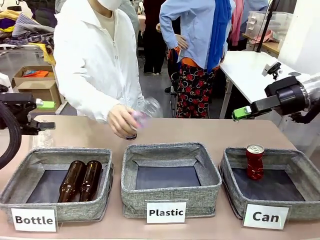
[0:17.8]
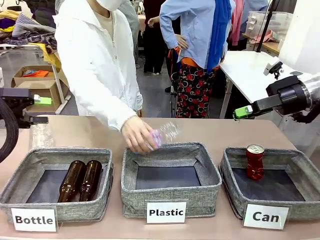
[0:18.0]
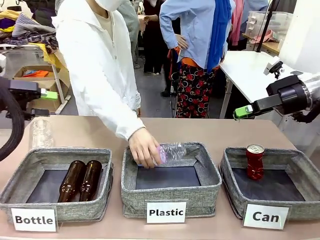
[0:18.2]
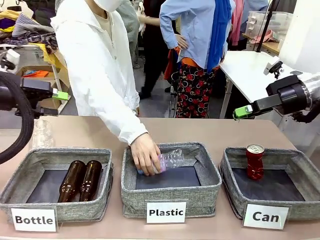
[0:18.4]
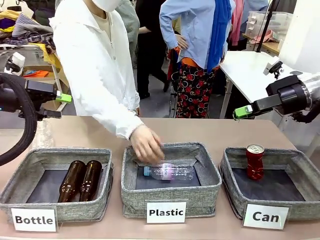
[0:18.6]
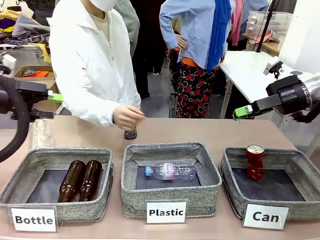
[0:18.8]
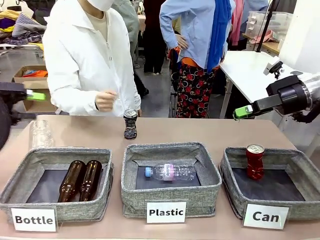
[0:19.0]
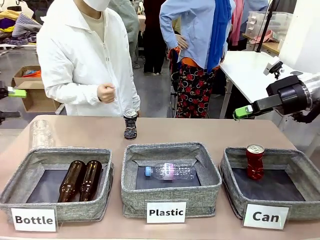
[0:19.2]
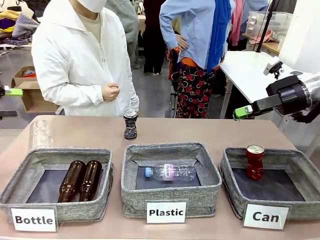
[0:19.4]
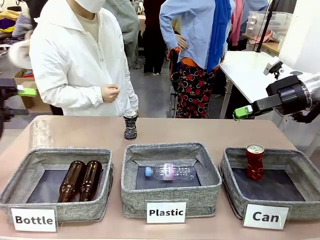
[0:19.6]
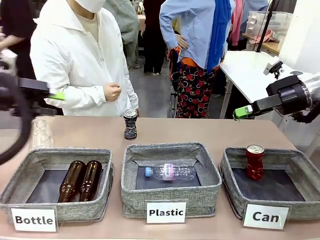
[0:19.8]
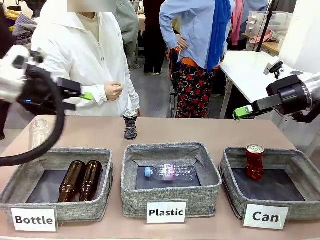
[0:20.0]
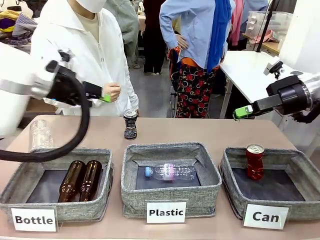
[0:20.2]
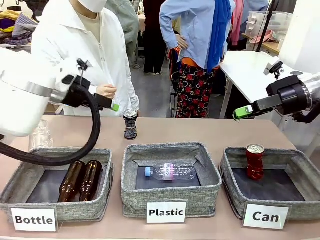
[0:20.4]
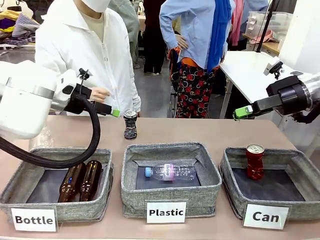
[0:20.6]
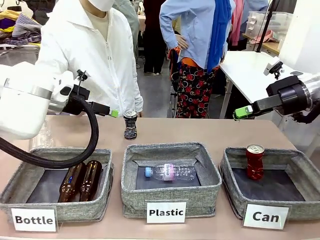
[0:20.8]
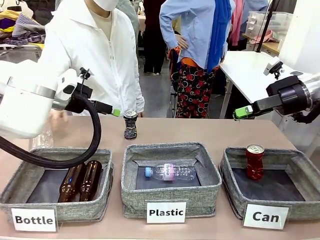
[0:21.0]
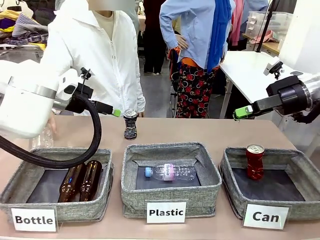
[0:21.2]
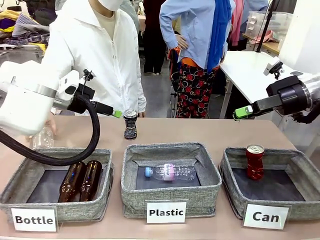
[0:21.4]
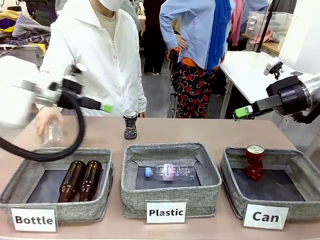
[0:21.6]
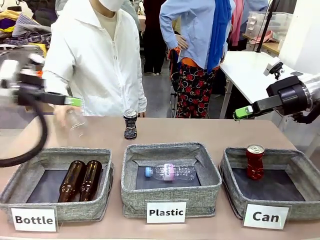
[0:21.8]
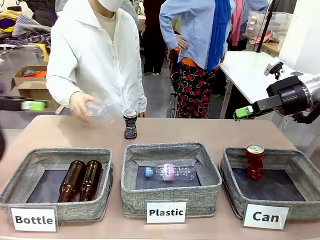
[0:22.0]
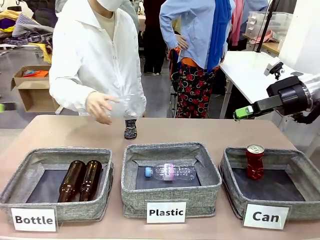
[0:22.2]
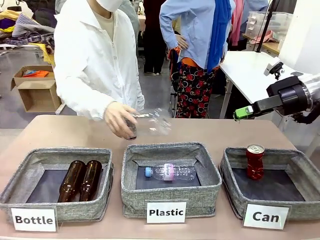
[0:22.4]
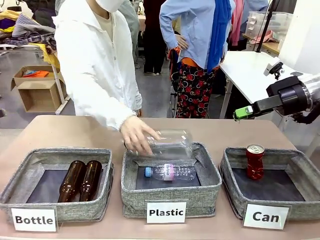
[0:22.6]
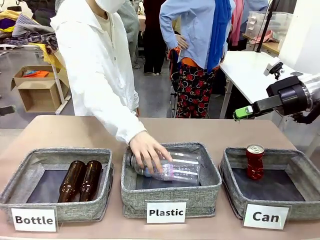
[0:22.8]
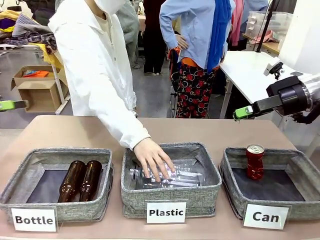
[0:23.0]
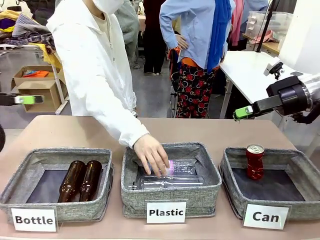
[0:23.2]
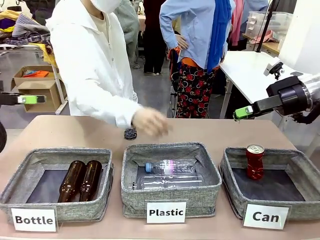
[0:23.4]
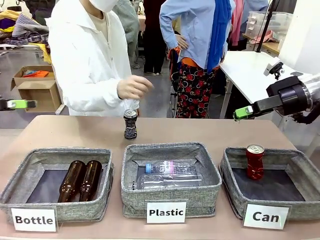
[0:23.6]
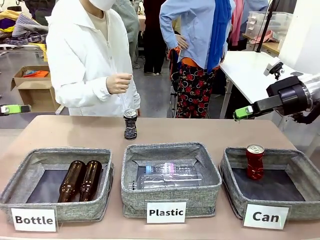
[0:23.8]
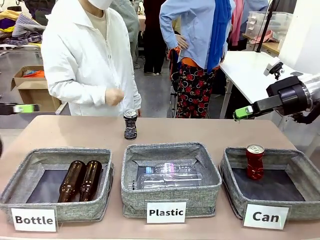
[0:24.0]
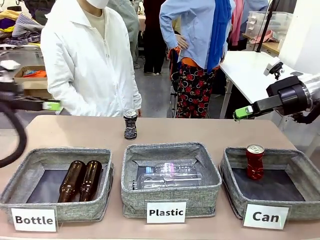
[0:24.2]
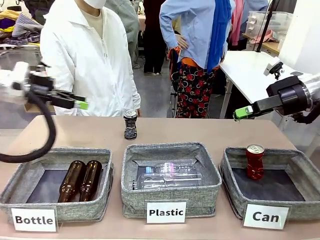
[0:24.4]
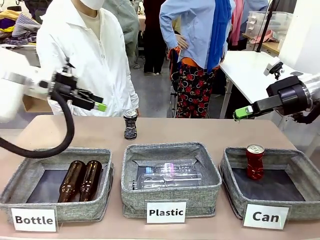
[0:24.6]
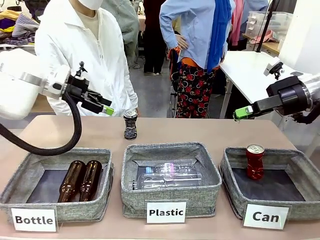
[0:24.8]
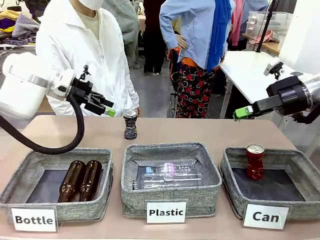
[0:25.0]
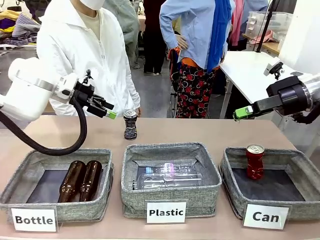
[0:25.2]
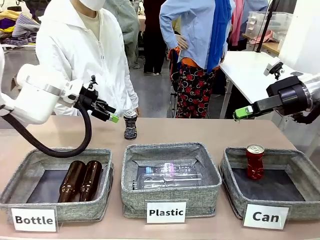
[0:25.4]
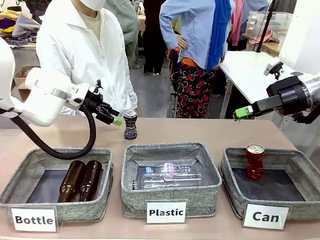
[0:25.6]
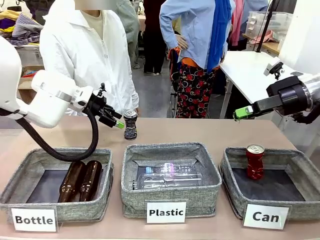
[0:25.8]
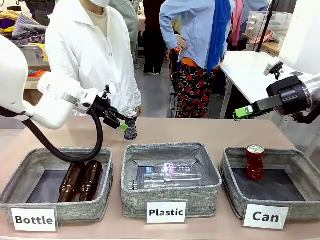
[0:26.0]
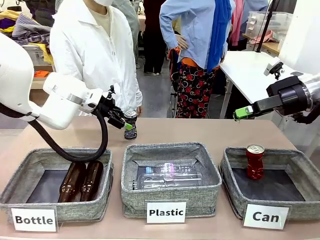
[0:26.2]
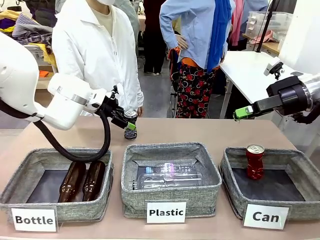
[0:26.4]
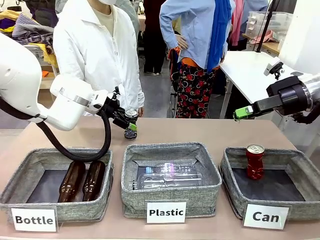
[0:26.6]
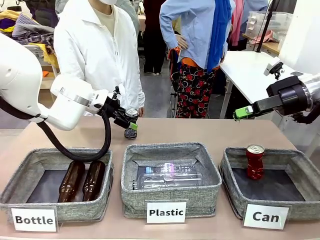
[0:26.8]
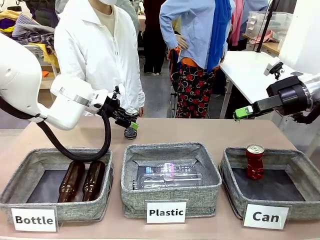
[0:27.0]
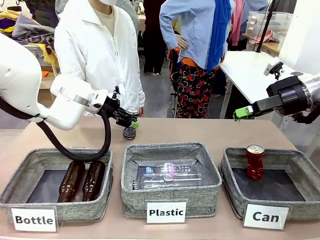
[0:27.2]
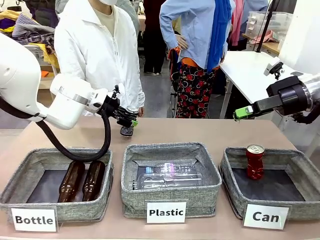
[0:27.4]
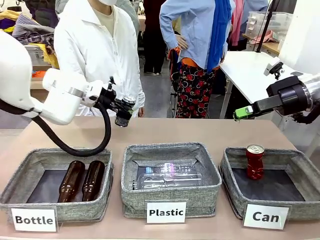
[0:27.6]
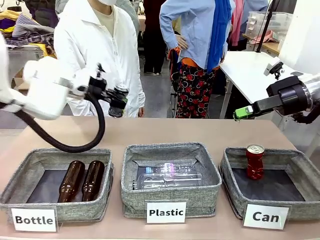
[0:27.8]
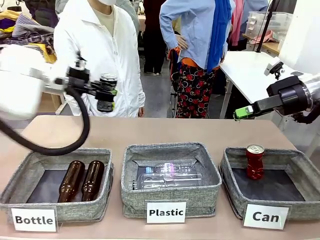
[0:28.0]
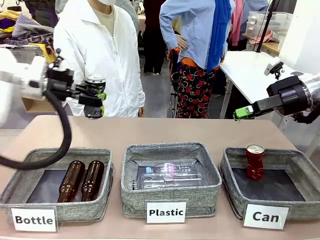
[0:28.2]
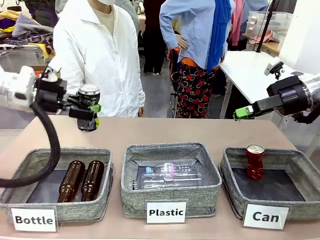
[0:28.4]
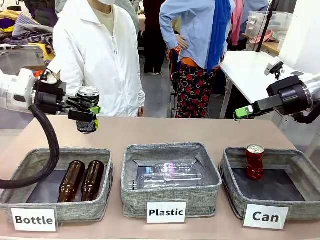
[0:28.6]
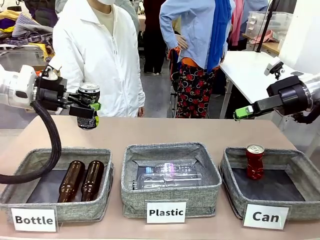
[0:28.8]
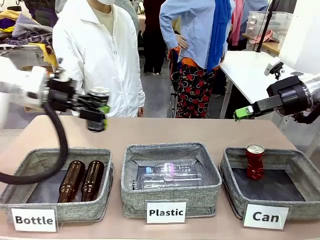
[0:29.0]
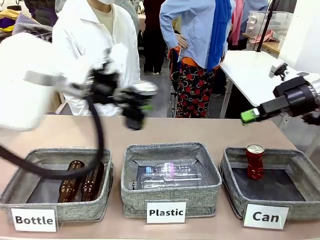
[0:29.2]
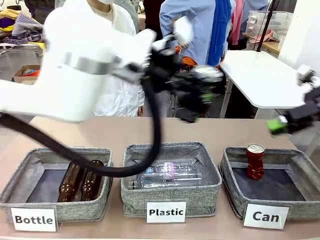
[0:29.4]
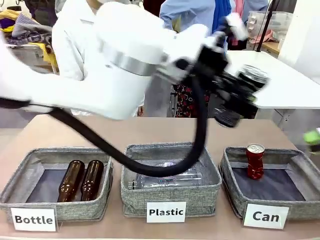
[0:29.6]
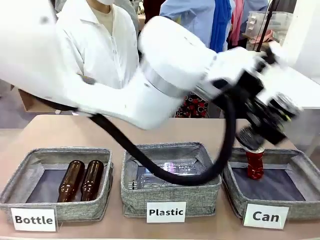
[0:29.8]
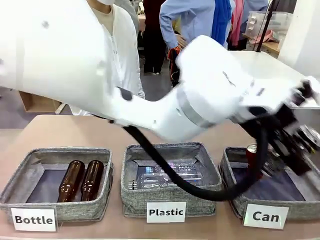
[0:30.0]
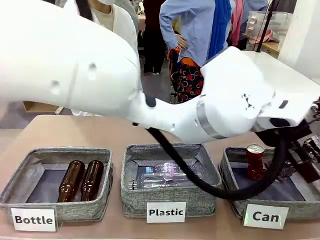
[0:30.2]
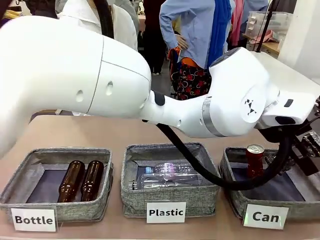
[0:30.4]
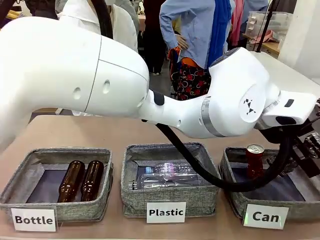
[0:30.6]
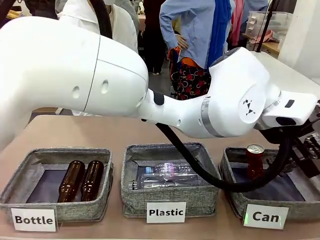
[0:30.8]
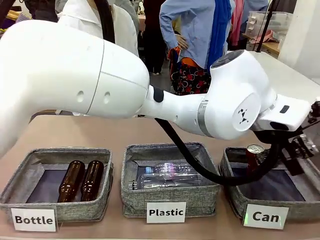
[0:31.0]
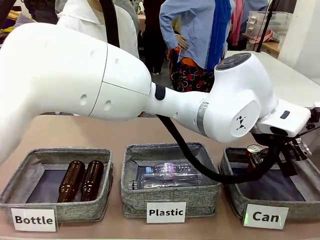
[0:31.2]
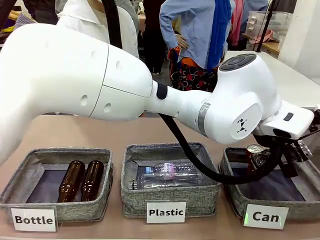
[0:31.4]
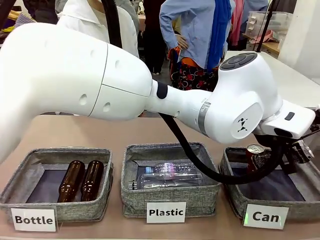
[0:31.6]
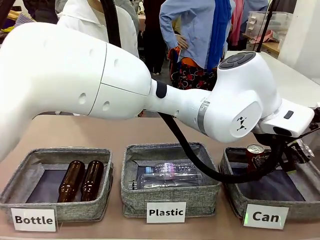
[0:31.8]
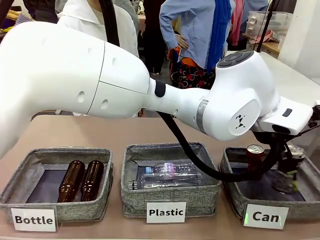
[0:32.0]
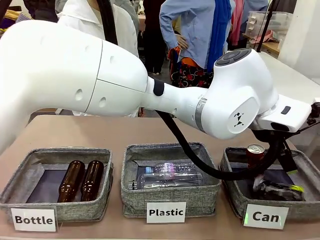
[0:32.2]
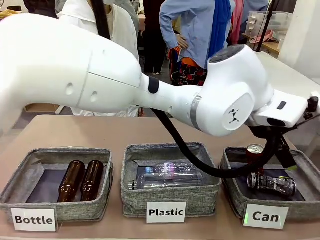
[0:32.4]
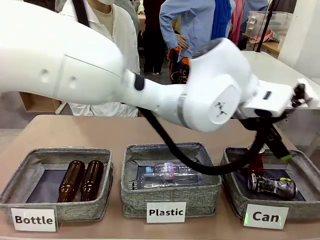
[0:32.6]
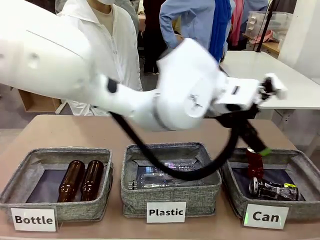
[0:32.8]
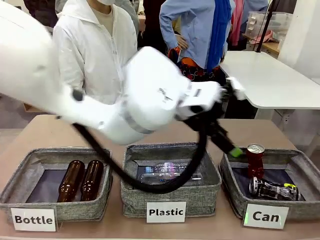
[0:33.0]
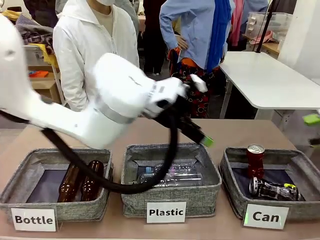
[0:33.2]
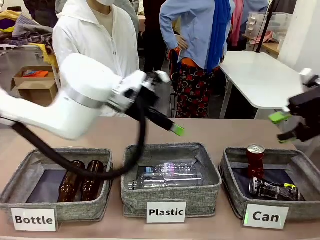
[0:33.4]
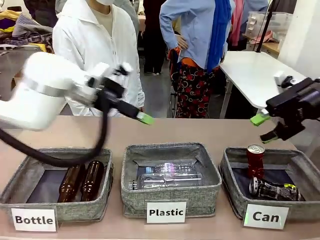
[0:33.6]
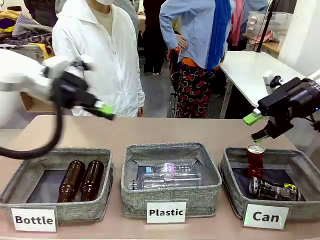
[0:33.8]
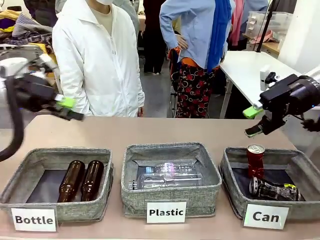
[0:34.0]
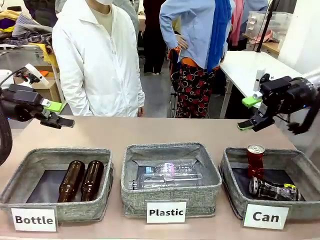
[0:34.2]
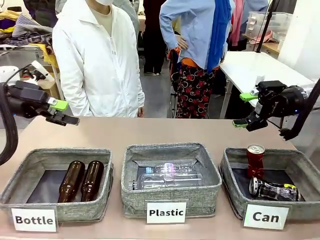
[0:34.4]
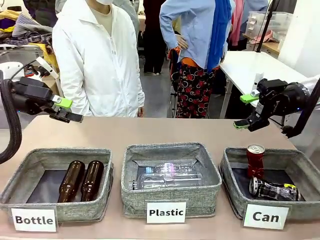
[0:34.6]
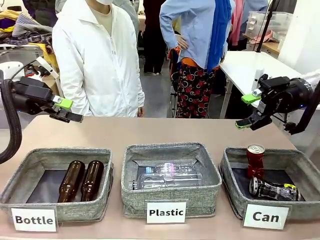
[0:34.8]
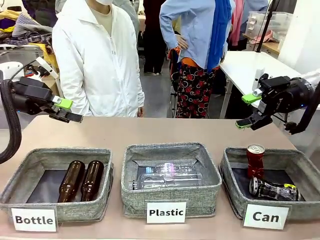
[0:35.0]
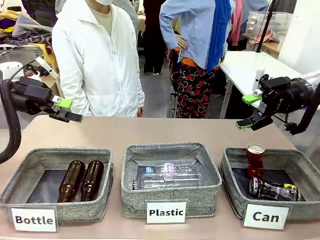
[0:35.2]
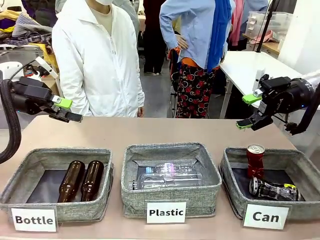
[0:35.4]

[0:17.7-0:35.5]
Task: Sort the can waste into the basket.
Robot: Pick up the can waste from the table and place it in the right Fabric basket.
Person: The human picks up one piece of trash that is not a can and places the trash into the appropriate organizing basket.
